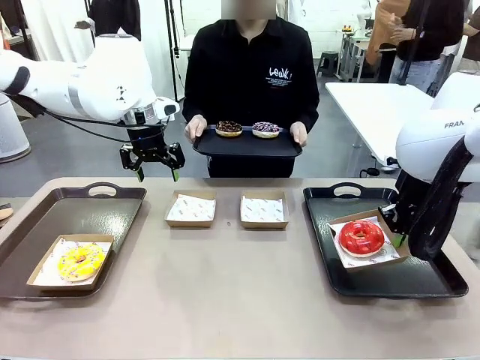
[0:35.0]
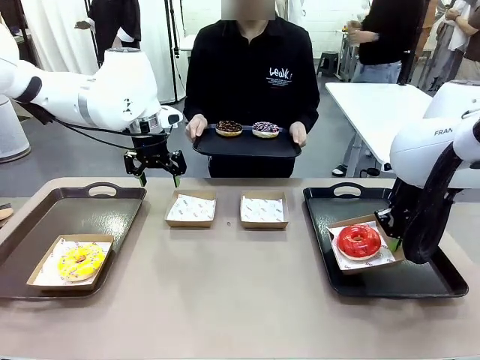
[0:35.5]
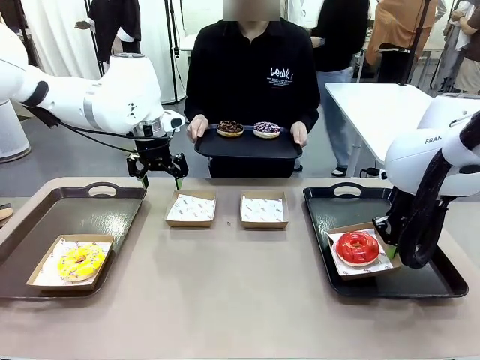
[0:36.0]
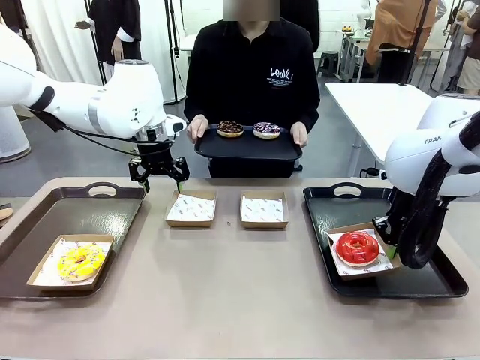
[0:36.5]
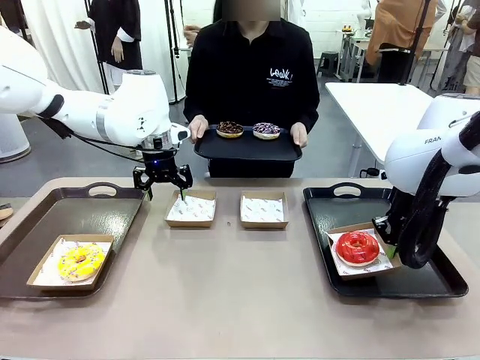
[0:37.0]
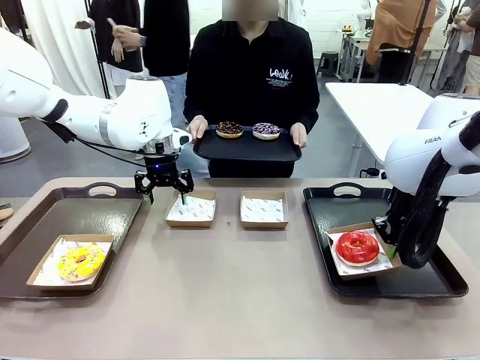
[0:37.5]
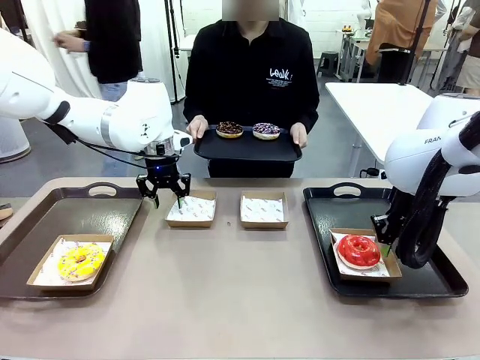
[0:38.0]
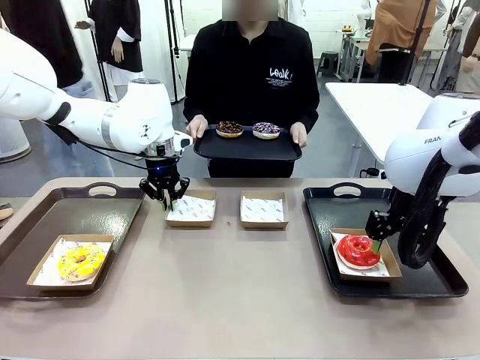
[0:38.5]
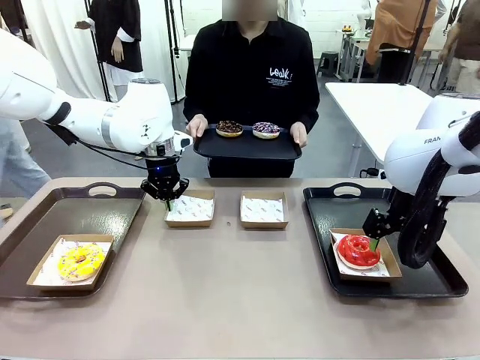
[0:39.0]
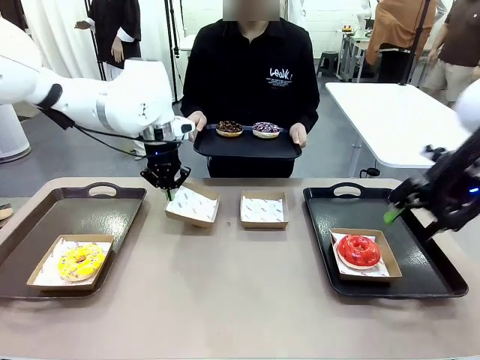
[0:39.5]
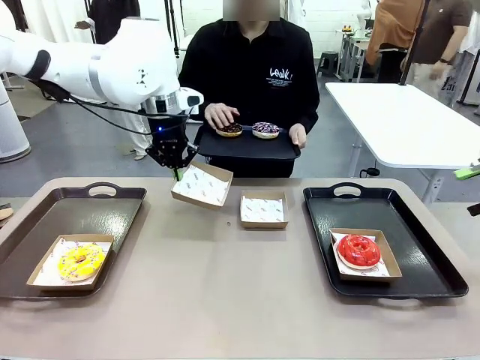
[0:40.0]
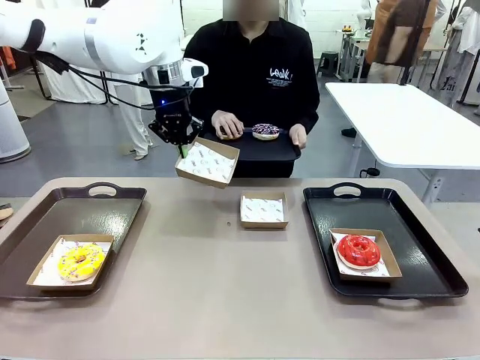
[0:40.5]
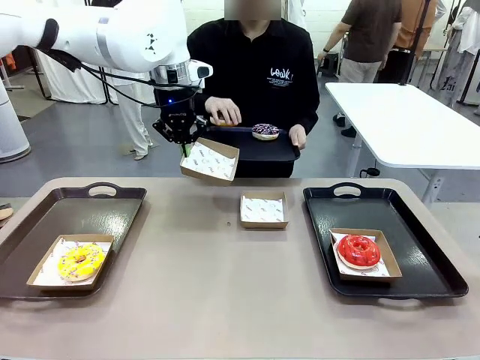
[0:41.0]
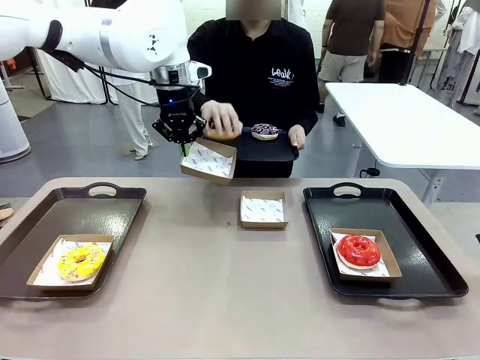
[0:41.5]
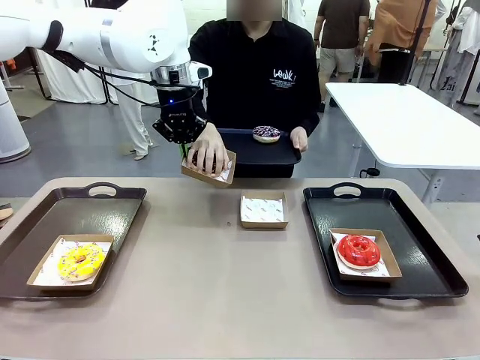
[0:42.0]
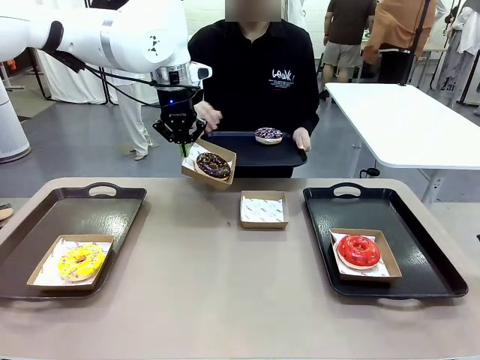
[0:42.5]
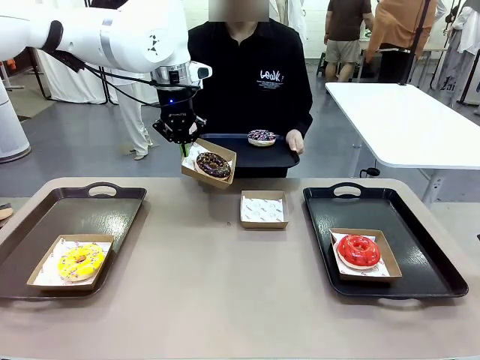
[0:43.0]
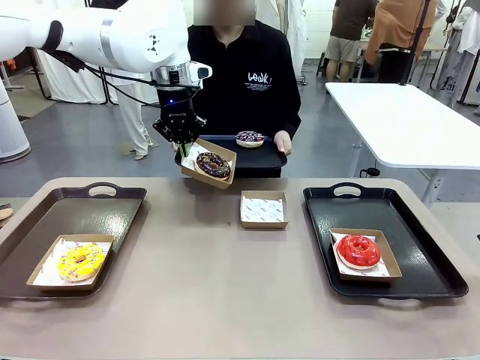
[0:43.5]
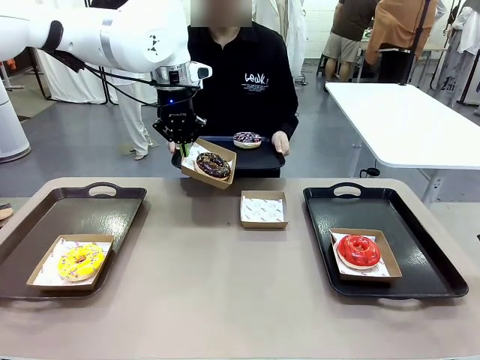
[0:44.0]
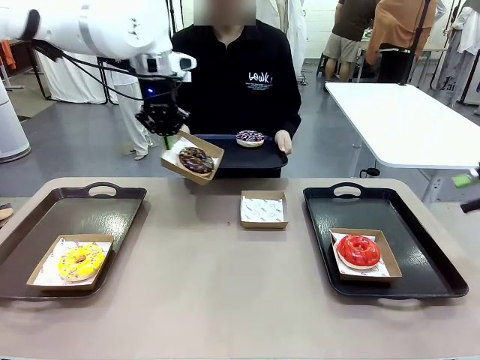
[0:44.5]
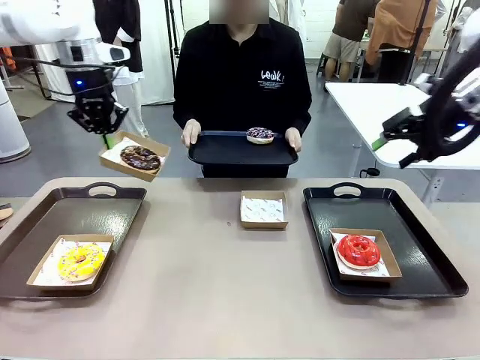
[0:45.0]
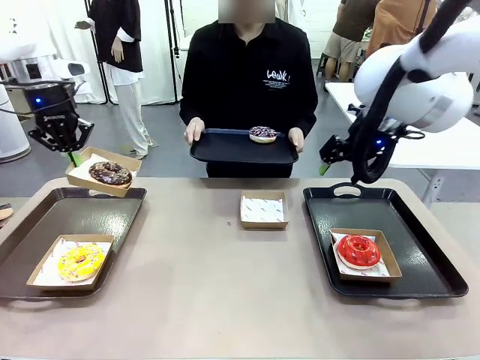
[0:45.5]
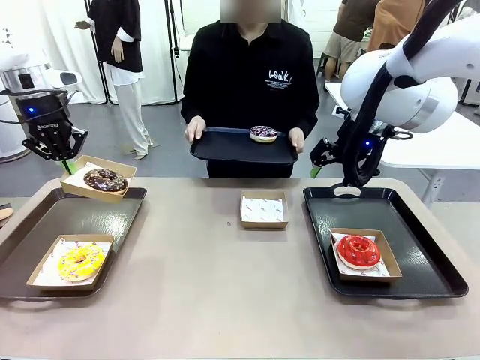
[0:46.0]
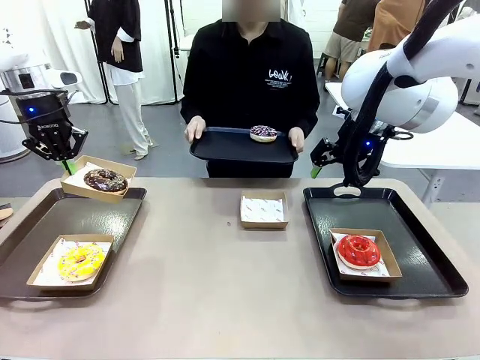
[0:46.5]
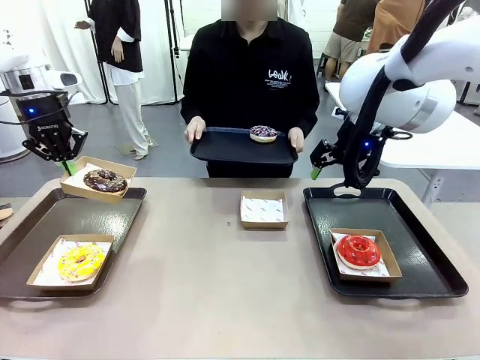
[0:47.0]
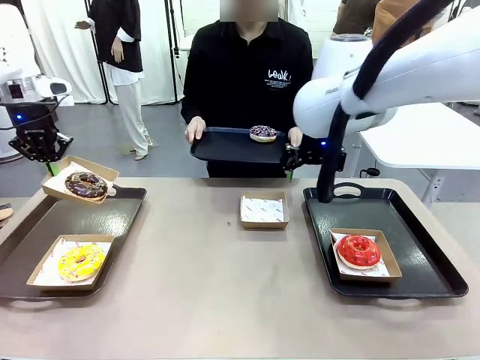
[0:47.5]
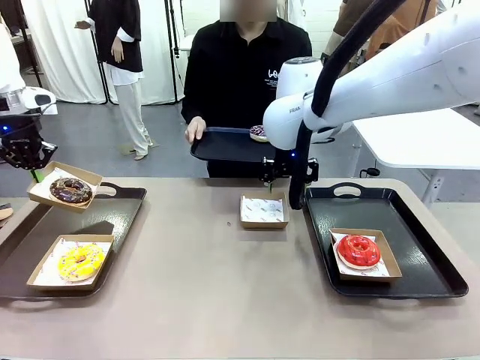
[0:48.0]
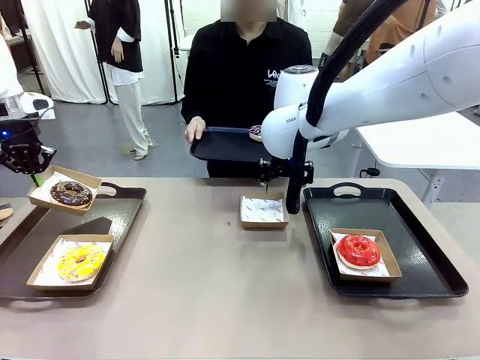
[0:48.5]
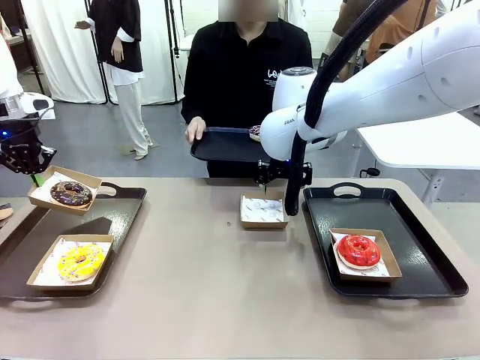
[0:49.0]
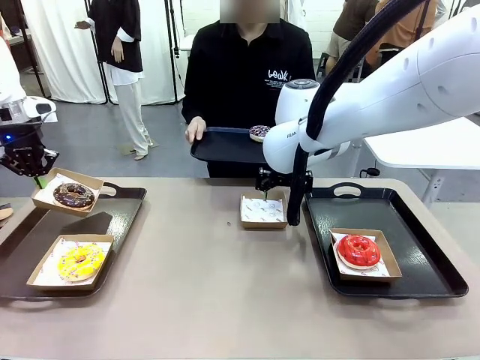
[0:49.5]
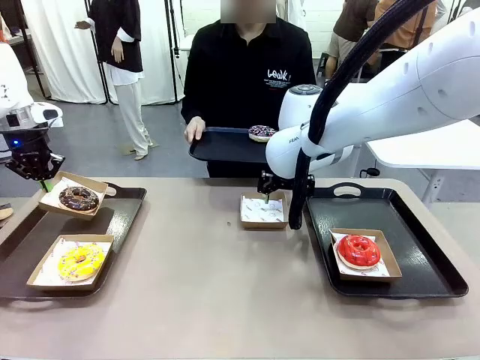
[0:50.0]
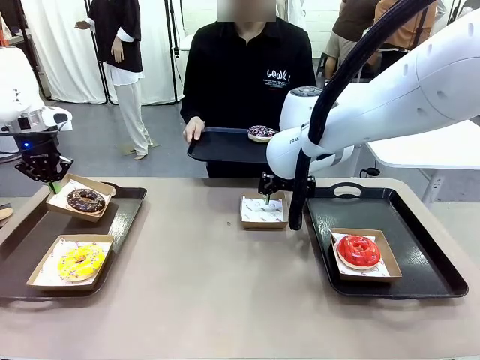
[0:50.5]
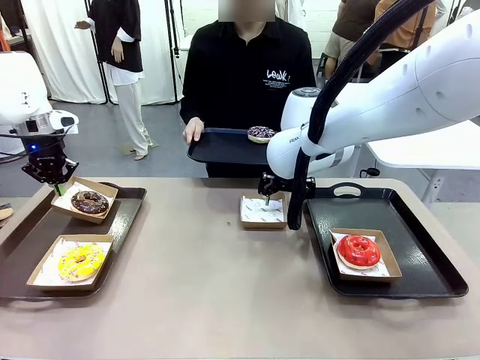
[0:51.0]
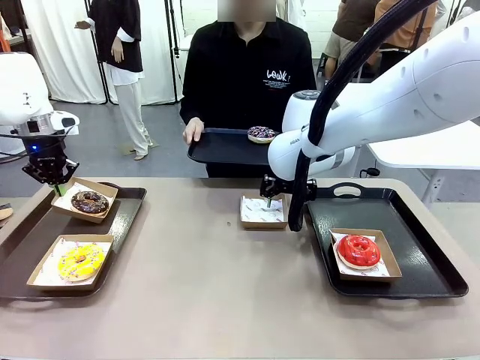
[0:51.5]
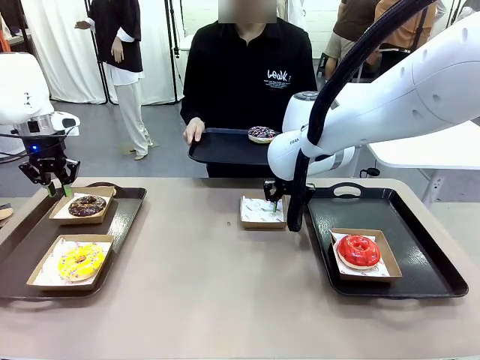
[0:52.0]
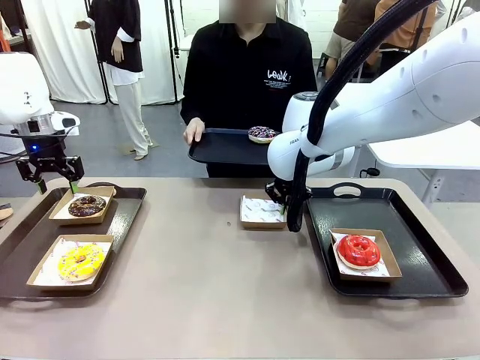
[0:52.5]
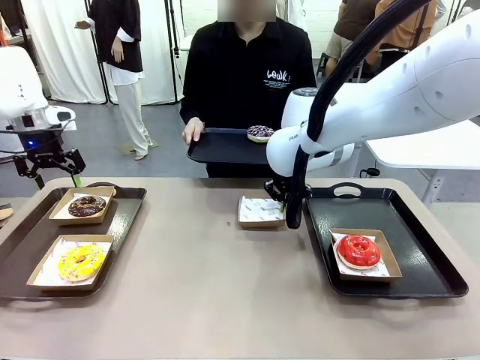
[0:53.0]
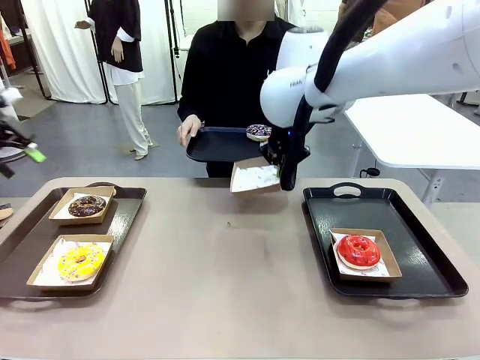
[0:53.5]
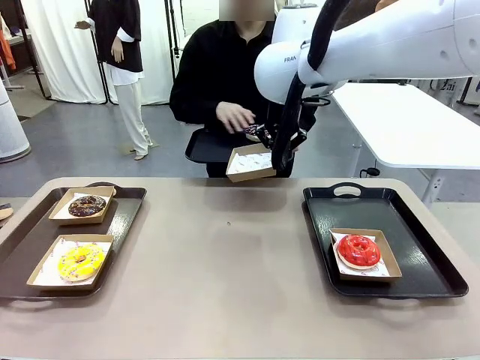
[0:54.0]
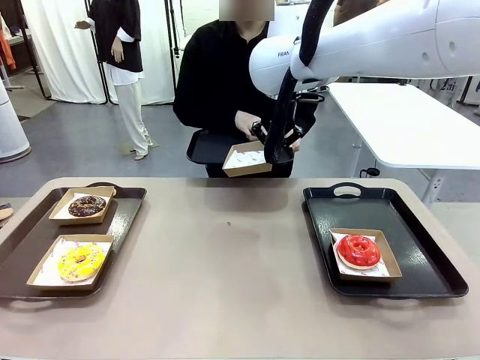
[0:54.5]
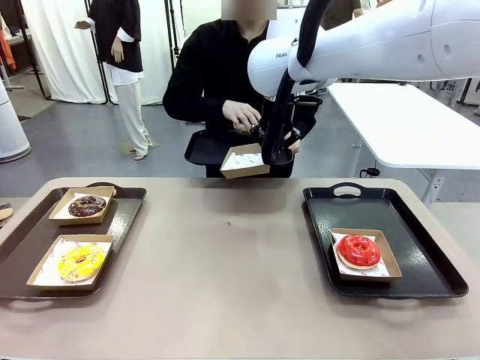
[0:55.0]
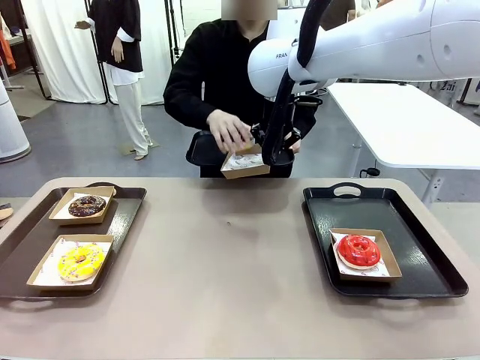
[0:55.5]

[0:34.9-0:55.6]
Task: Individually package the donuts and arrange them on the tray.
Robot: Place the picked Paper togo box on the Handle tray while simultaneously picking up another Paper togo box from the table with the other hand.

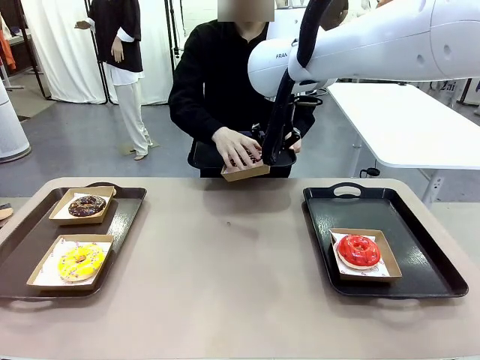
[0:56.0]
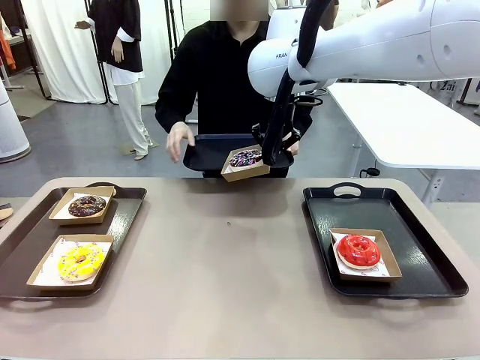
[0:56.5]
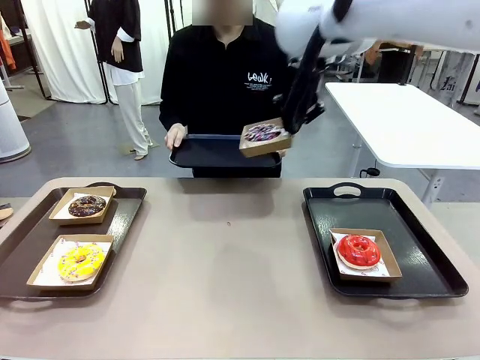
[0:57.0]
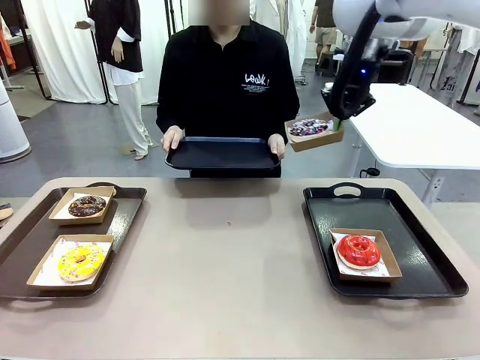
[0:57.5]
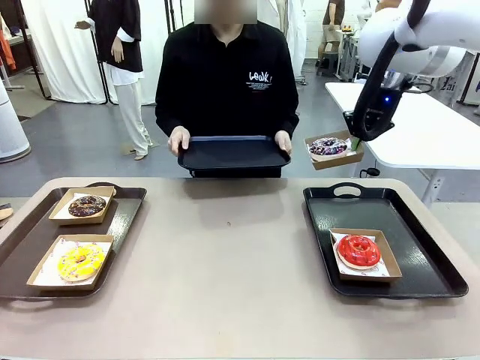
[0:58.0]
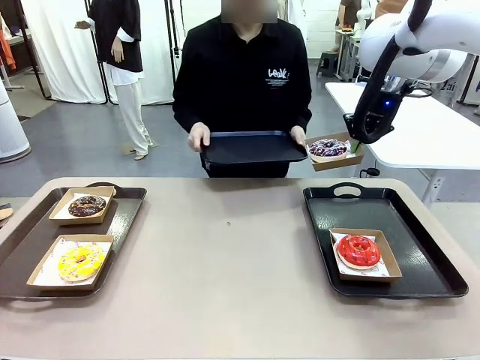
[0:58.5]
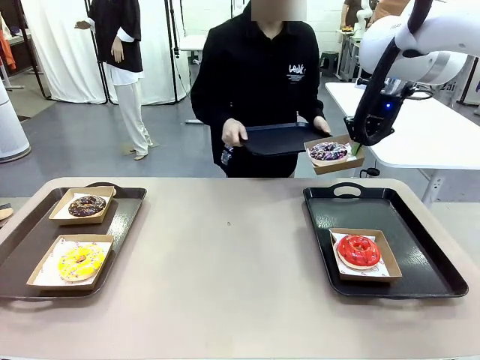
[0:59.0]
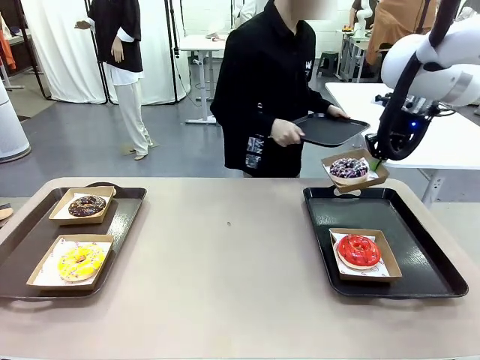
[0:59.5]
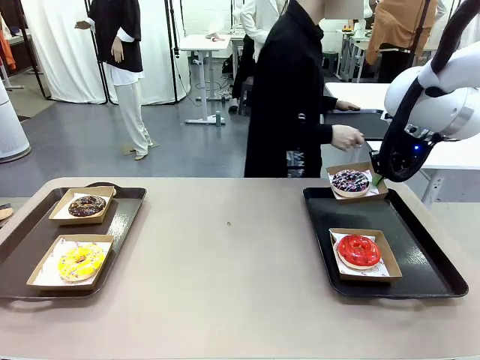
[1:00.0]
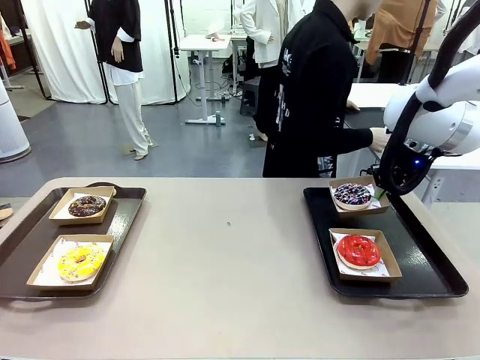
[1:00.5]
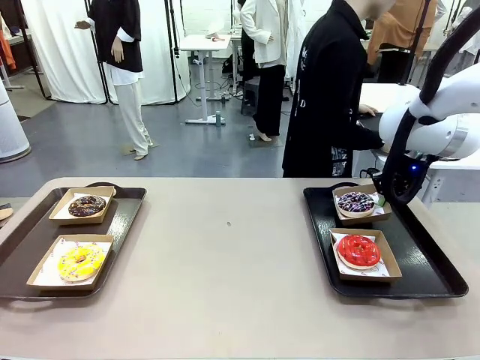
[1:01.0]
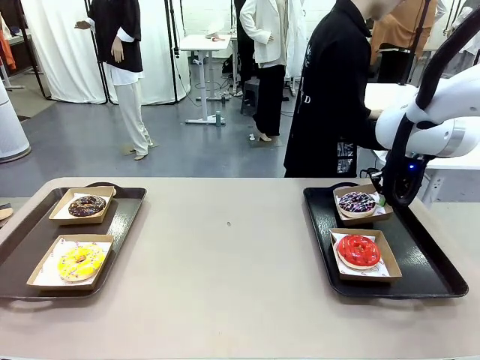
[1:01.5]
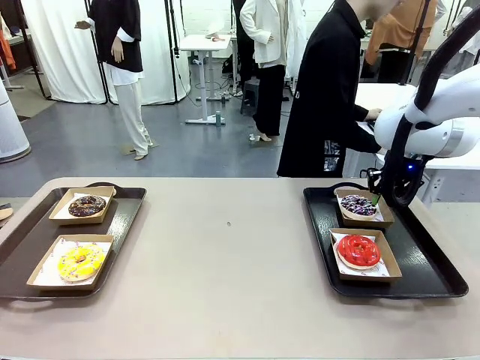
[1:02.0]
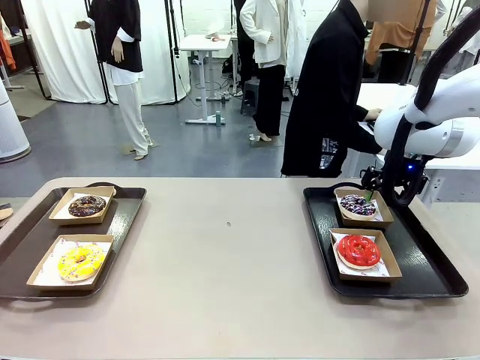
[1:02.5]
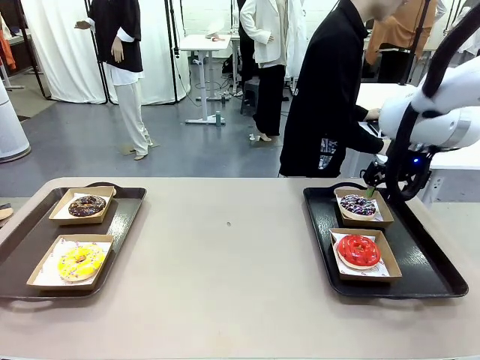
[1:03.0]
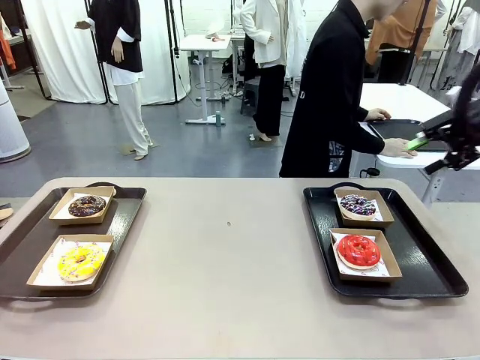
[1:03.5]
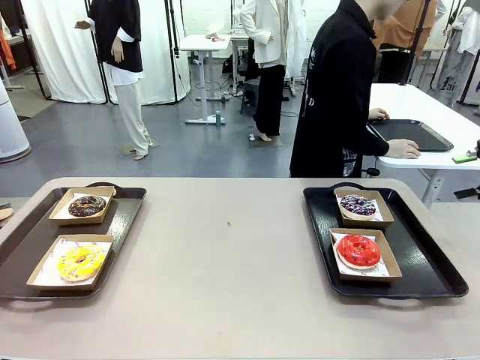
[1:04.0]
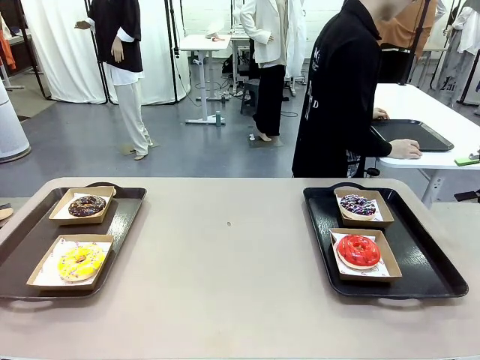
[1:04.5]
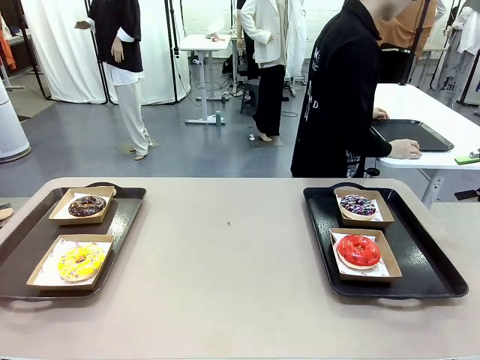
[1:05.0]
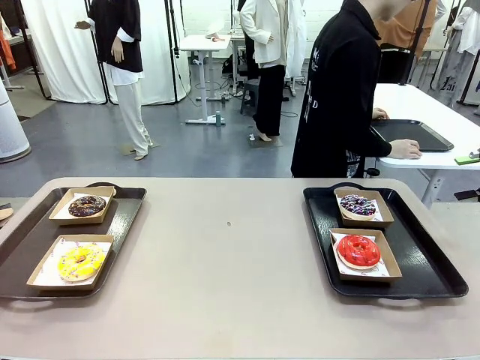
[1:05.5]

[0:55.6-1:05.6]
Robot: Place the picked Paper togo box on the Handle tray.
Person: Place the tray down in the middle of the human table.
